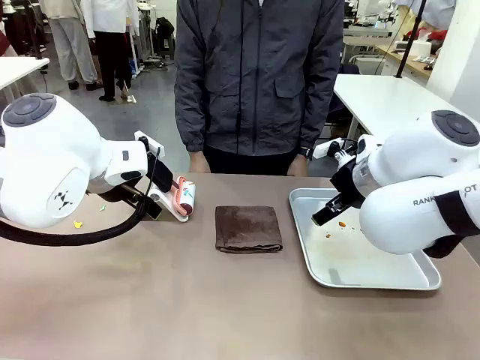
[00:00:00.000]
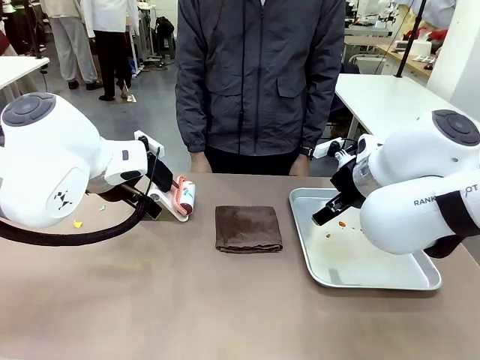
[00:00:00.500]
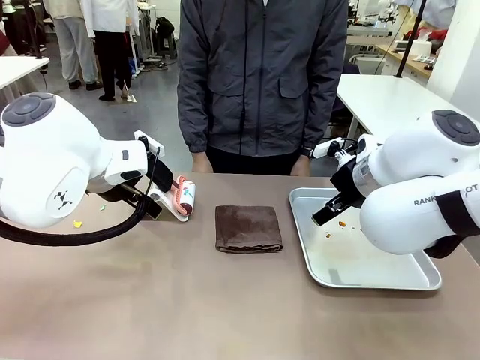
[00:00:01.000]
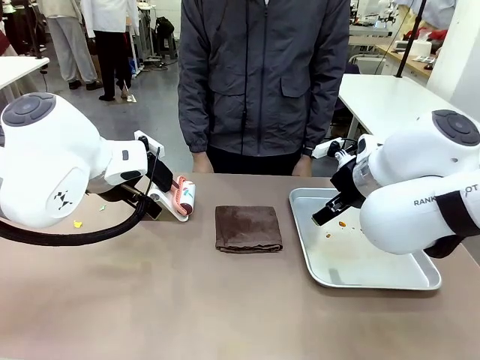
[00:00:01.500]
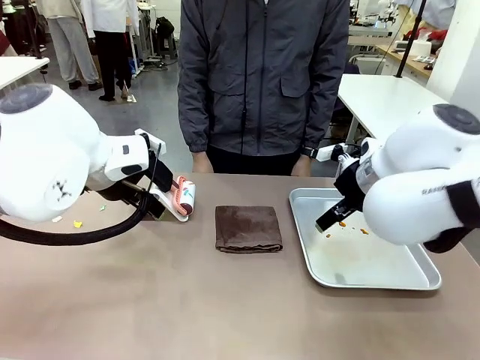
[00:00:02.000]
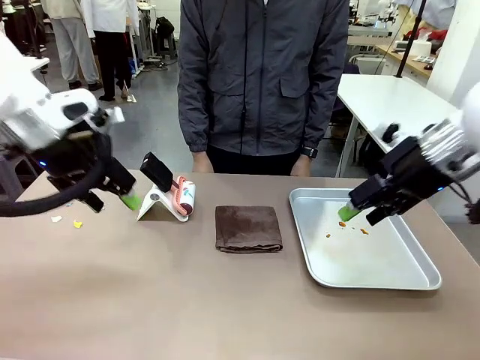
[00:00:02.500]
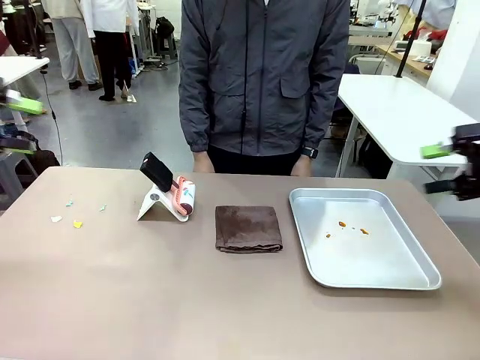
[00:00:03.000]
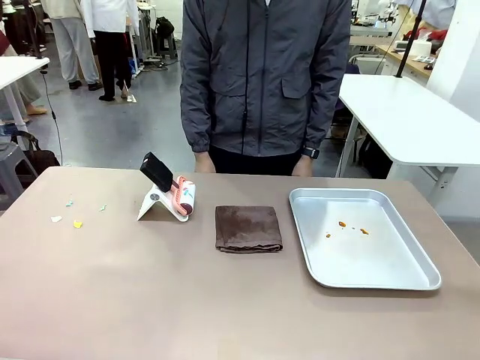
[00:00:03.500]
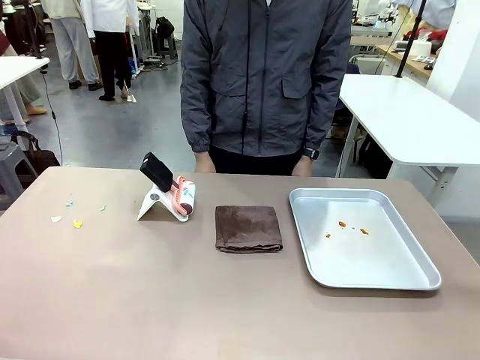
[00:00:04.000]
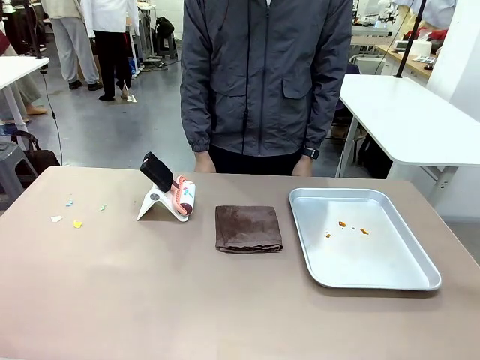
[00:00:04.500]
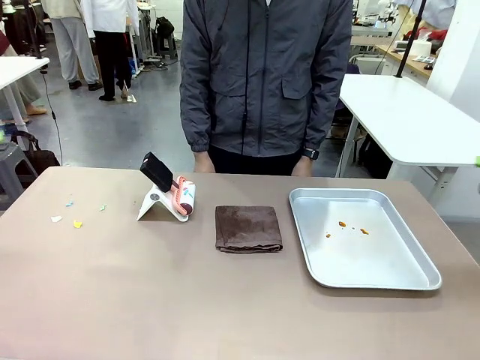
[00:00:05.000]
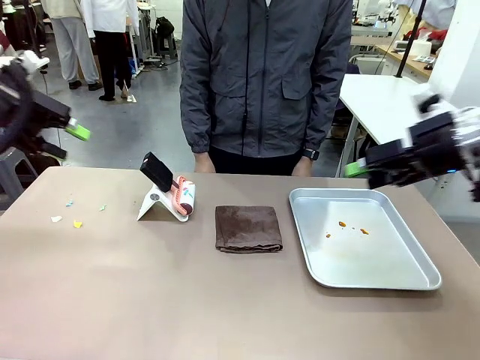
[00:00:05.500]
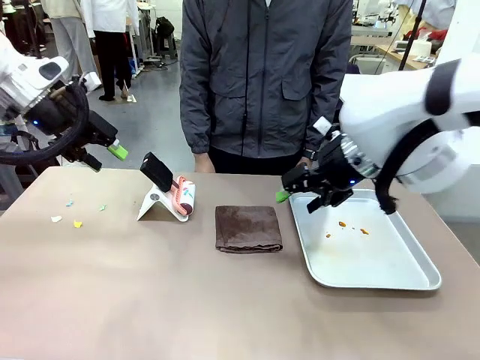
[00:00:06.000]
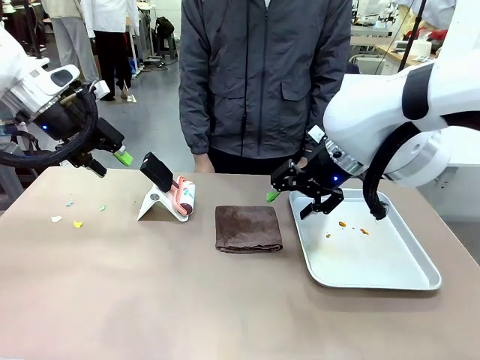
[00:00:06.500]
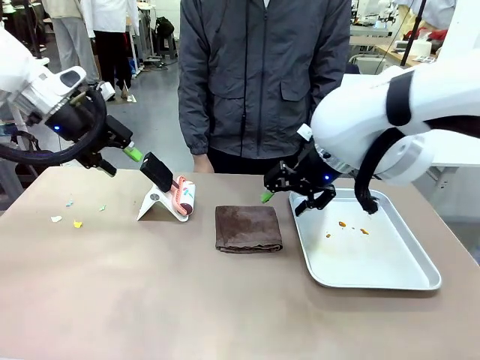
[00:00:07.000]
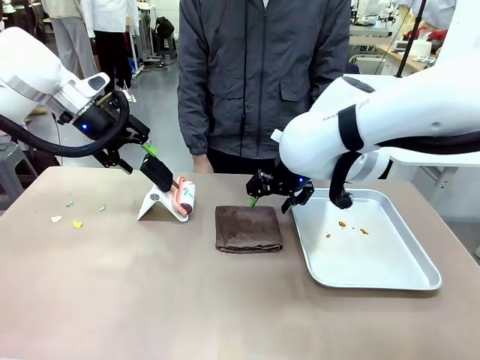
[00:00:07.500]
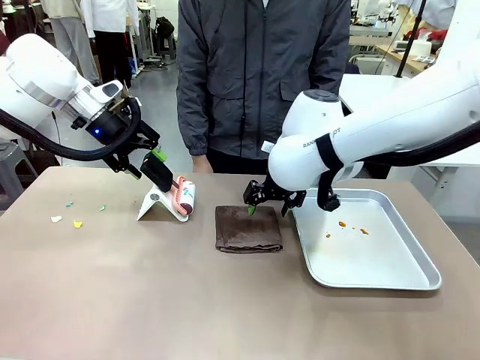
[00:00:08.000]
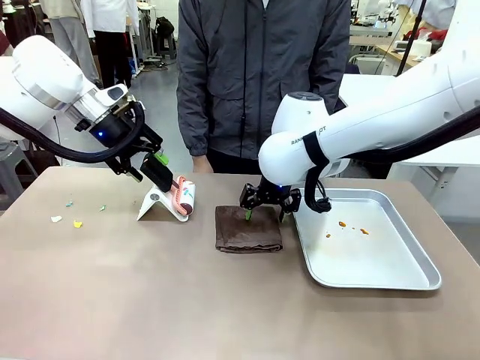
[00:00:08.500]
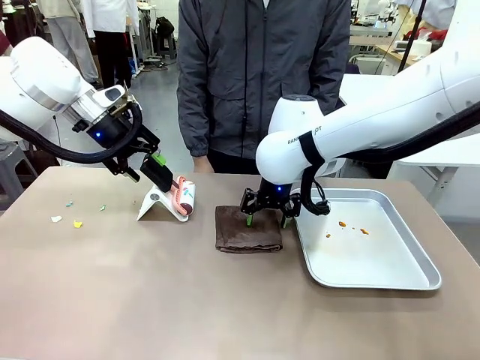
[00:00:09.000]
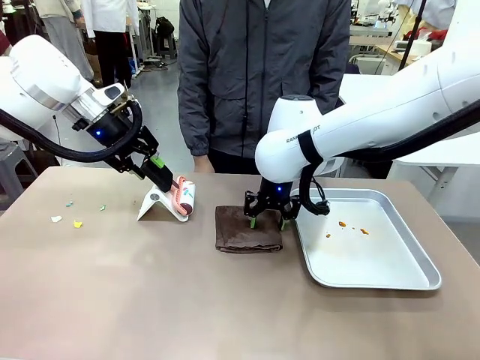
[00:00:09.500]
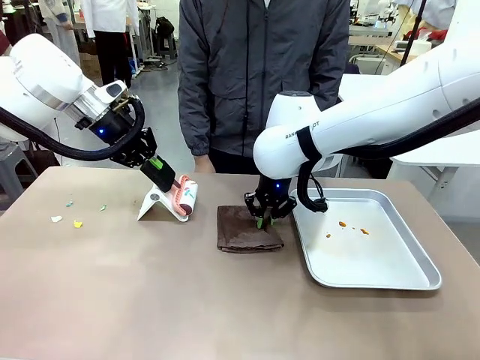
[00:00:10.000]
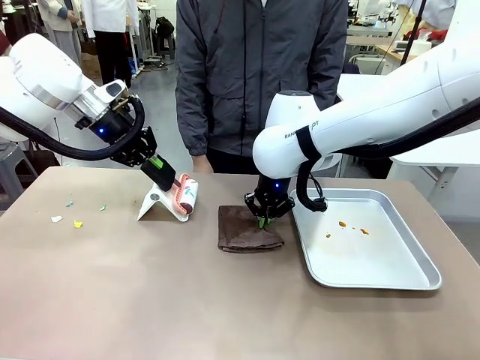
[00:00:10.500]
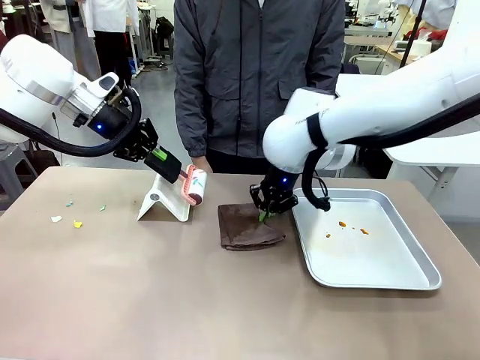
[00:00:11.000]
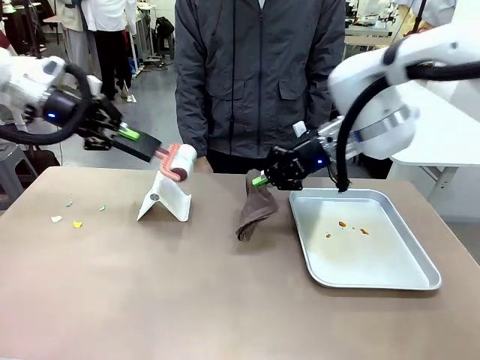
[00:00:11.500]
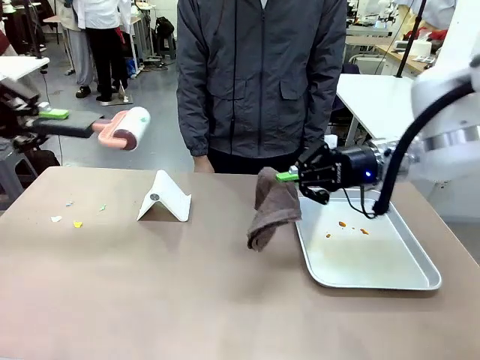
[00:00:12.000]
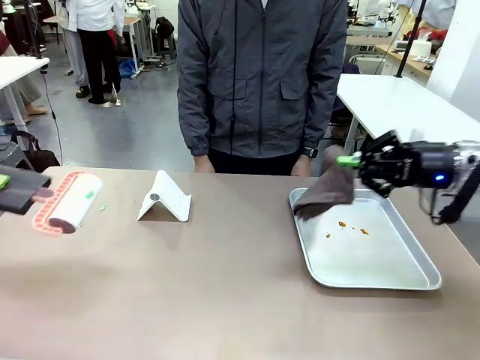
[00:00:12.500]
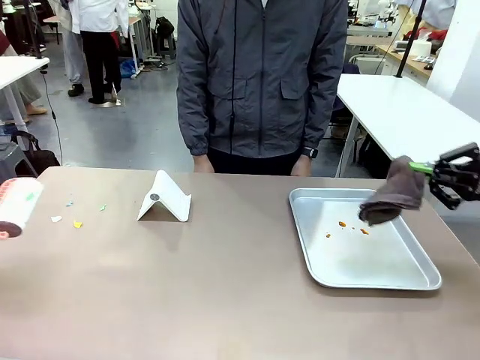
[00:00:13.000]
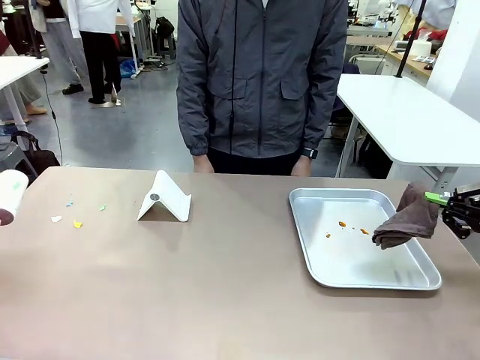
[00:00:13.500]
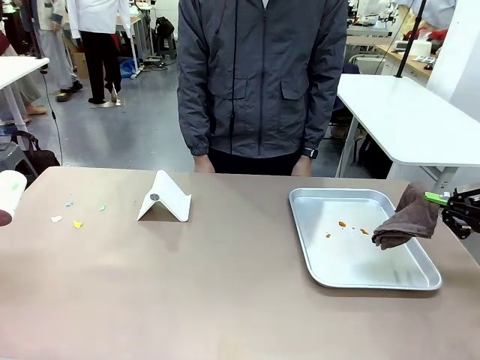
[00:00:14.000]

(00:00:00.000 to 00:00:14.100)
Task: Clean the surface of the table.
Robot: Hold the Lint Roller with your left hand and the towel with your right hand.

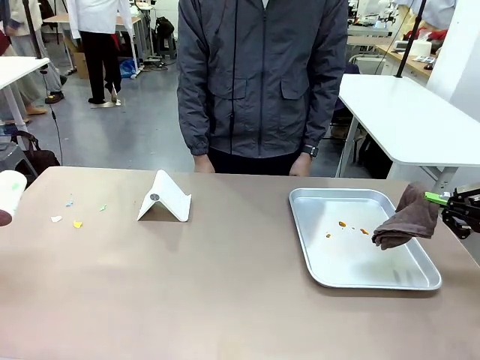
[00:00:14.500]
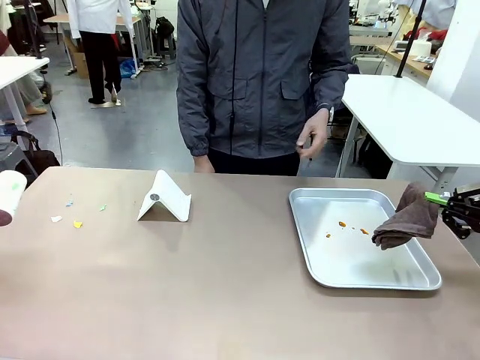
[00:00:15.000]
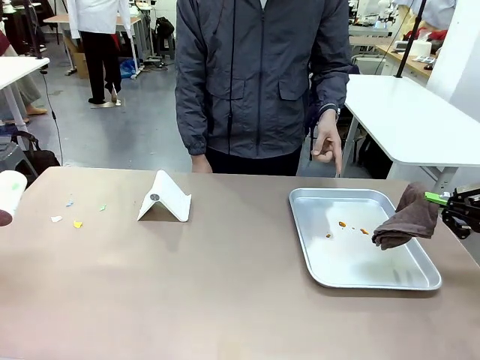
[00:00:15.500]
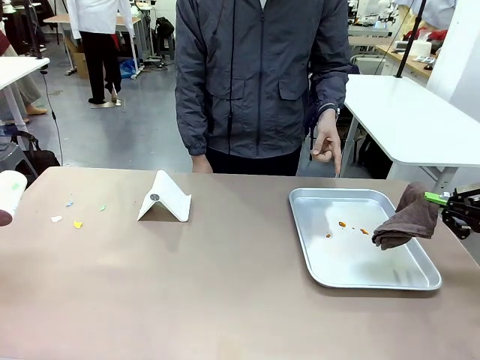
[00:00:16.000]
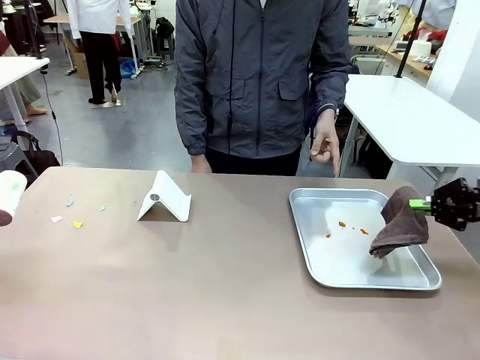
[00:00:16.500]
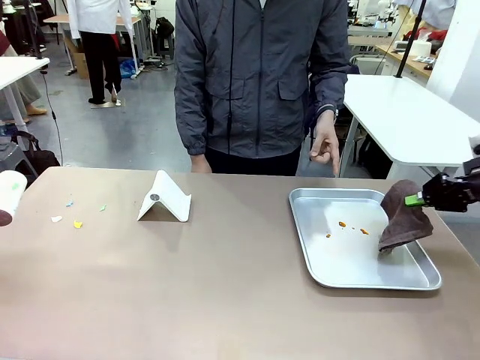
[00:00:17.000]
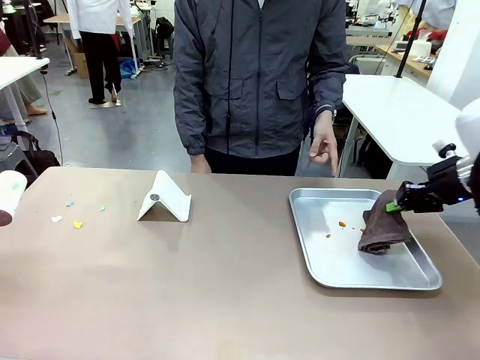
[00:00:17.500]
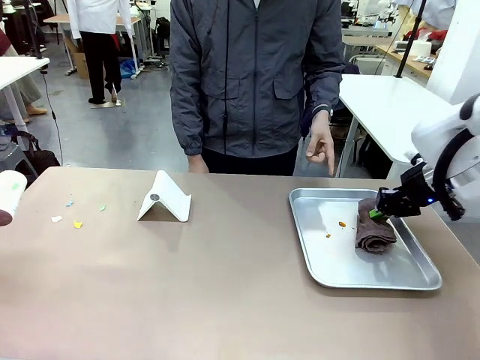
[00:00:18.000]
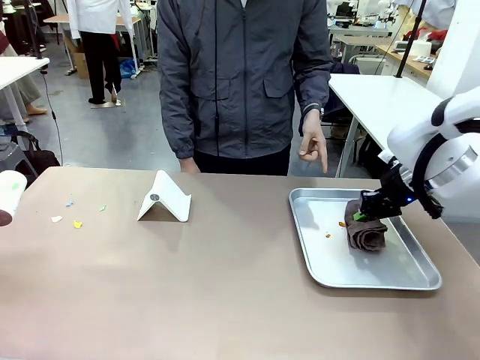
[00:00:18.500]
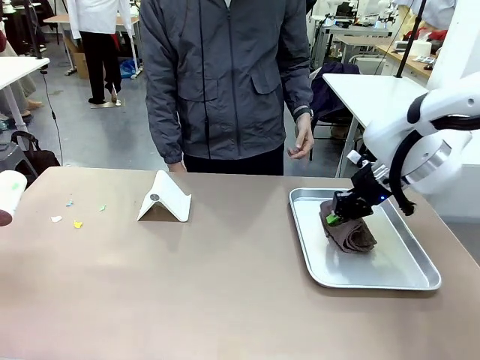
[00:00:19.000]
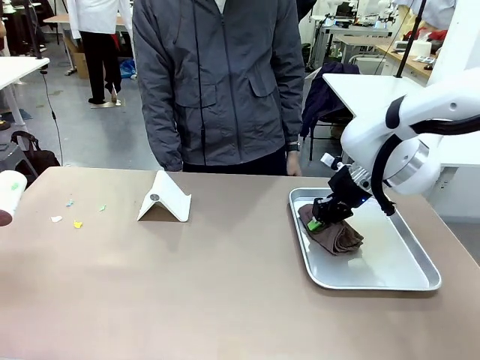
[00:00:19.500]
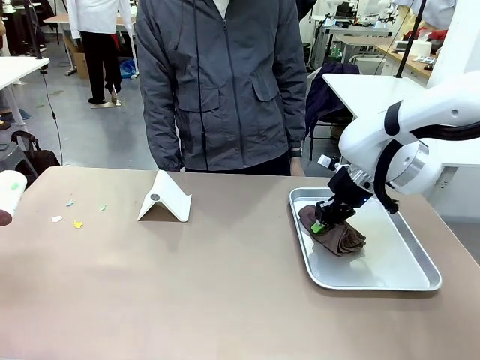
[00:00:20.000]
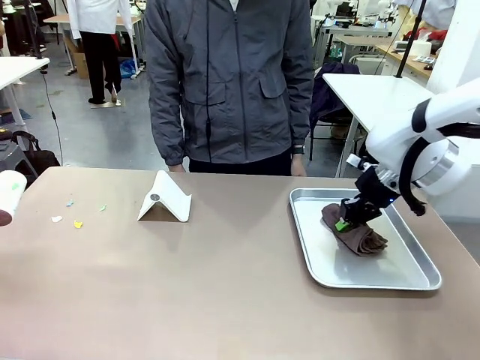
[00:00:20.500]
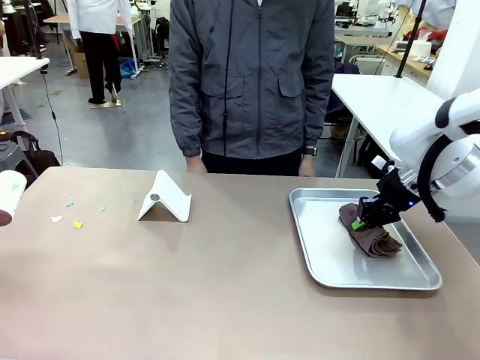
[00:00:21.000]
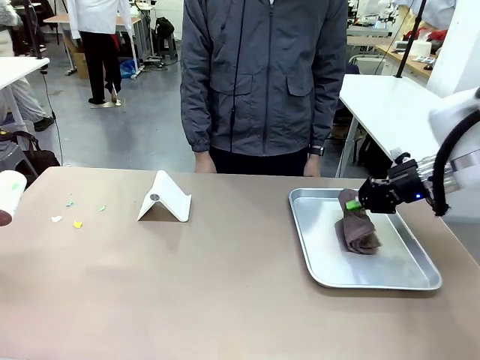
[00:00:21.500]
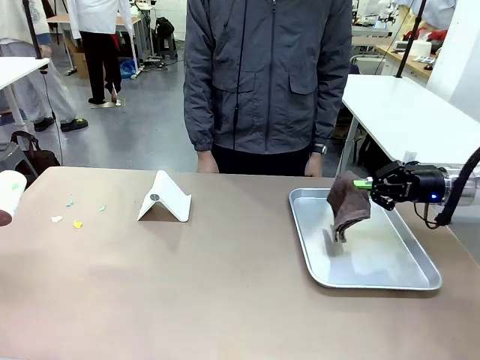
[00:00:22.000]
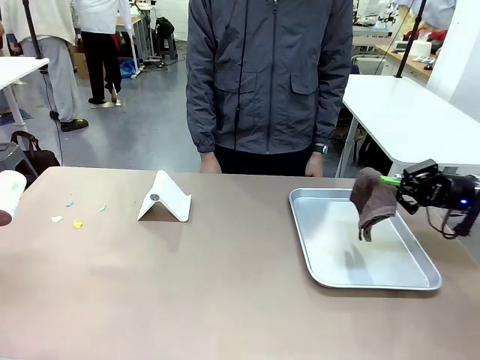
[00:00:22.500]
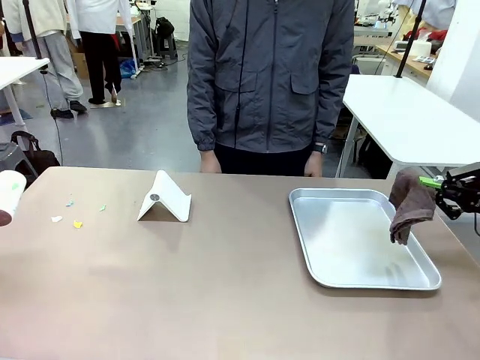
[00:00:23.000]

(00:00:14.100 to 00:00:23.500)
Robot: If a person points to the right, clean the right side of the table with your right hand, and if they point to the left, clean the left side with your left hand.

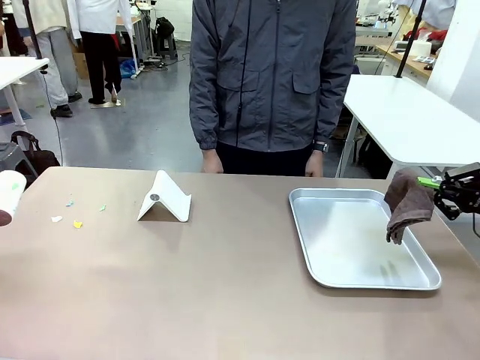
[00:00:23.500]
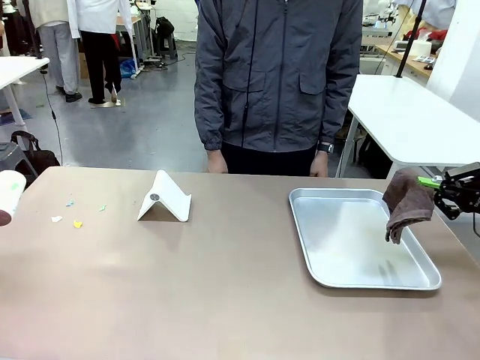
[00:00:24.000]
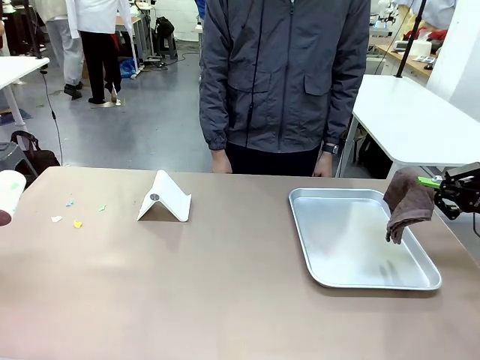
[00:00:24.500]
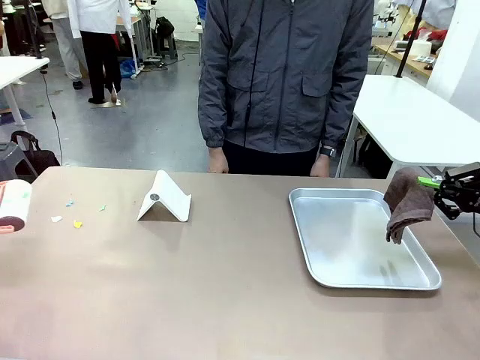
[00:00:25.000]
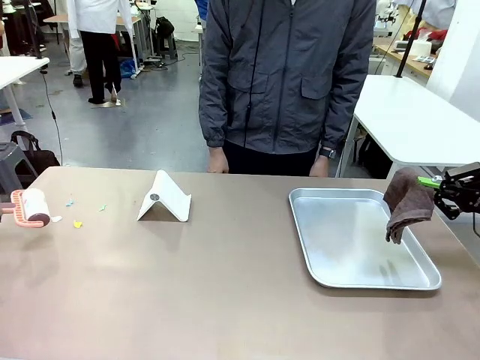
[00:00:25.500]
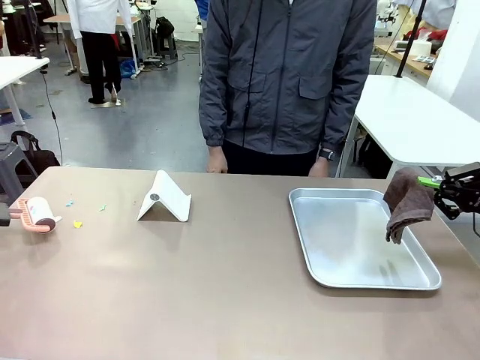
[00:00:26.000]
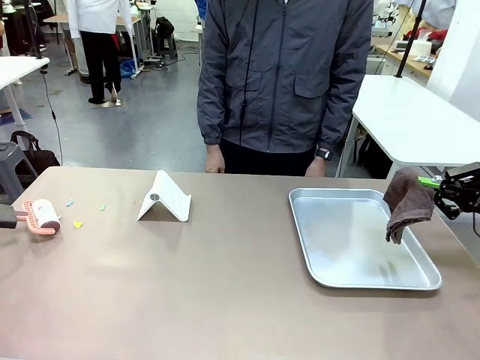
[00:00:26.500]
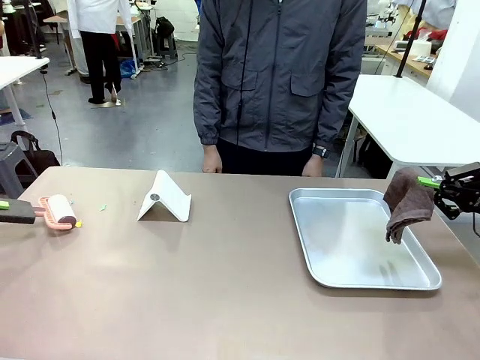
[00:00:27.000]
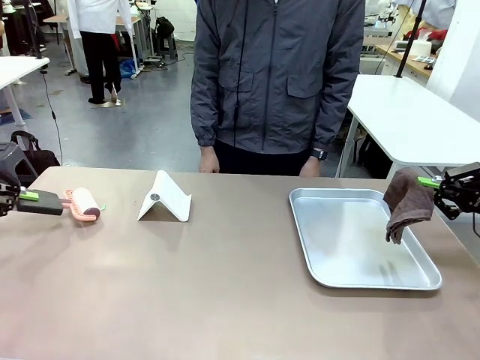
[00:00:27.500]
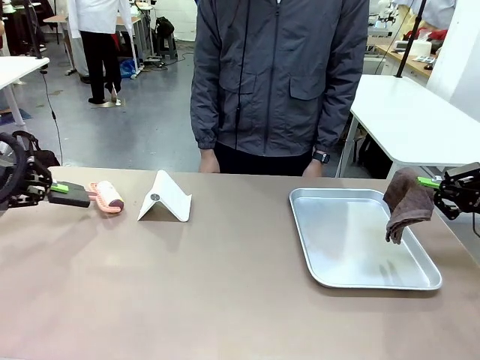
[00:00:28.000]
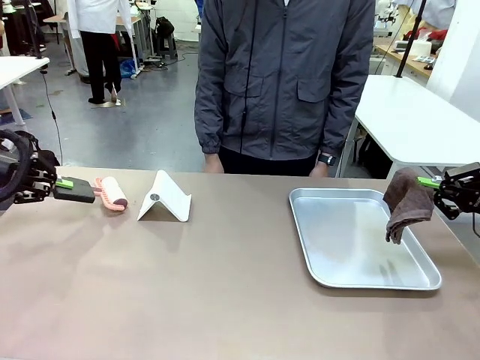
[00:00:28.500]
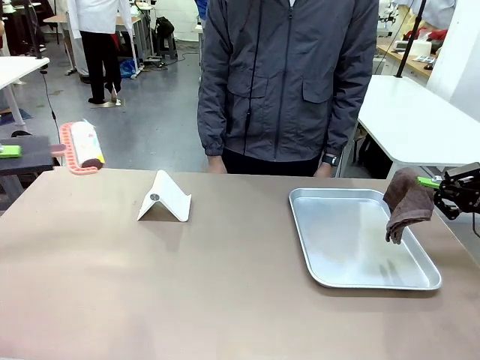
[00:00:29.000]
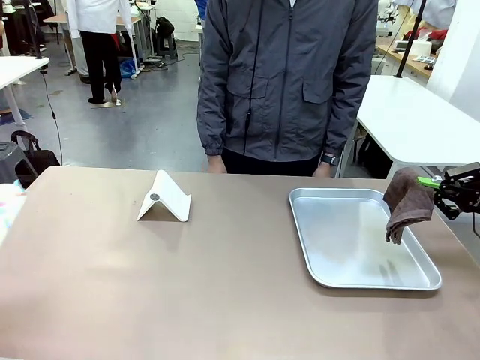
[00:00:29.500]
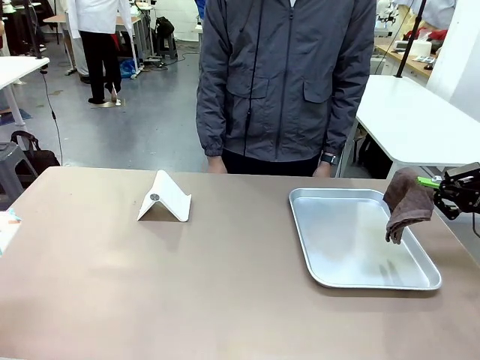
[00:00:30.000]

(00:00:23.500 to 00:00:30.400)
Robot: Clean the area not pointed to by the person.
